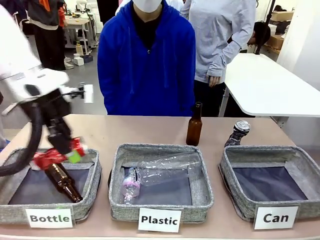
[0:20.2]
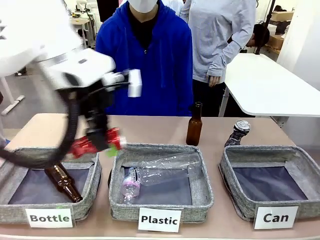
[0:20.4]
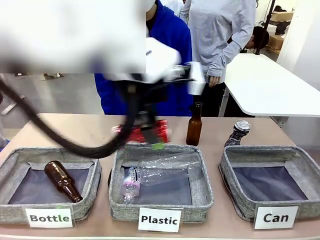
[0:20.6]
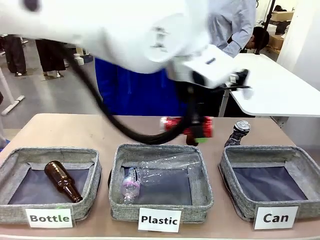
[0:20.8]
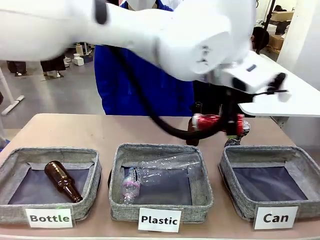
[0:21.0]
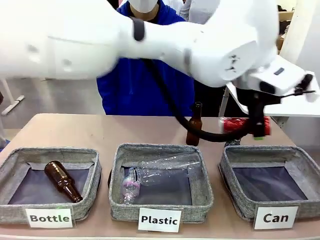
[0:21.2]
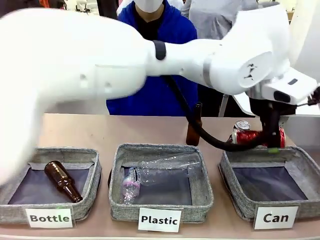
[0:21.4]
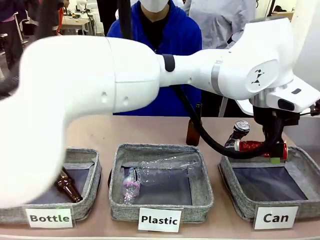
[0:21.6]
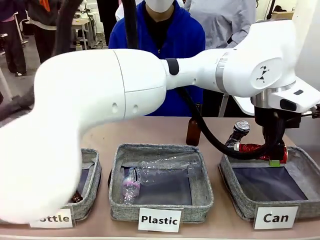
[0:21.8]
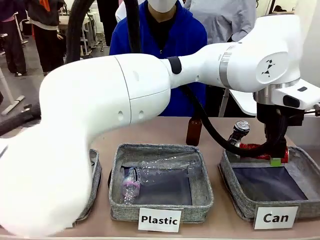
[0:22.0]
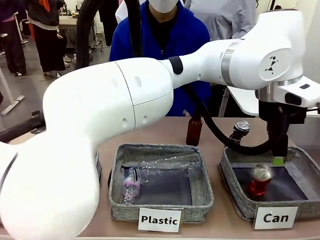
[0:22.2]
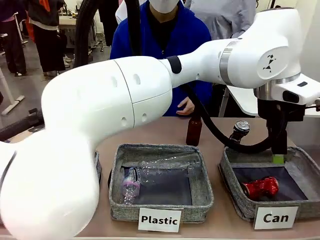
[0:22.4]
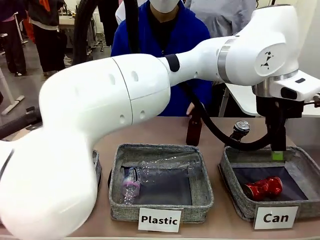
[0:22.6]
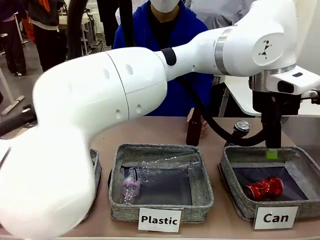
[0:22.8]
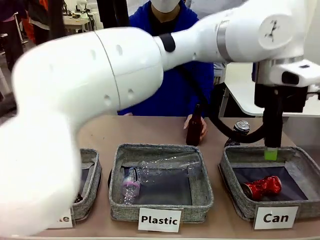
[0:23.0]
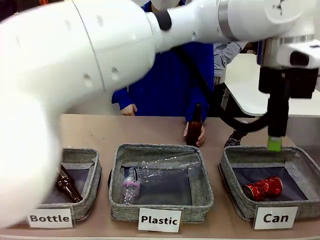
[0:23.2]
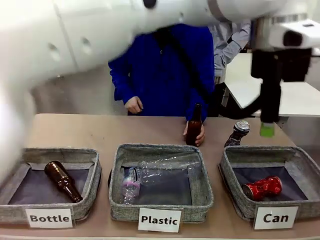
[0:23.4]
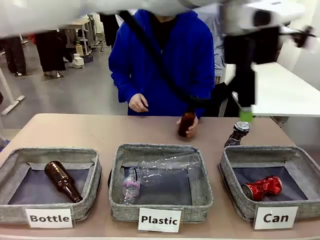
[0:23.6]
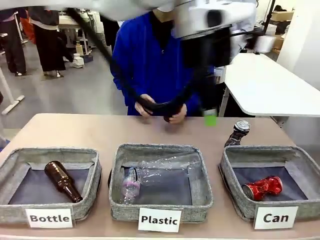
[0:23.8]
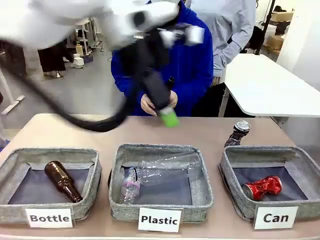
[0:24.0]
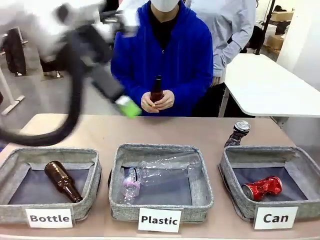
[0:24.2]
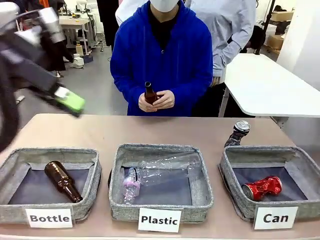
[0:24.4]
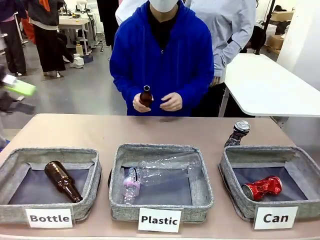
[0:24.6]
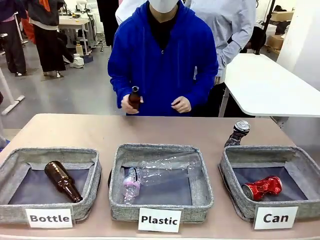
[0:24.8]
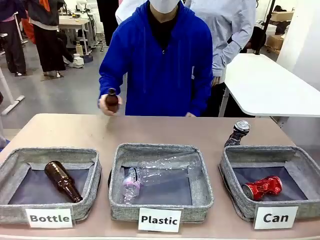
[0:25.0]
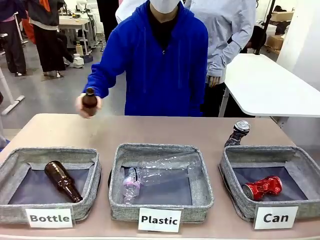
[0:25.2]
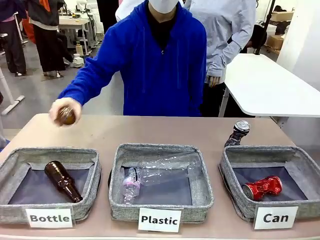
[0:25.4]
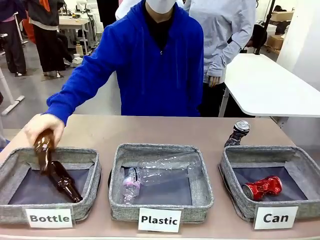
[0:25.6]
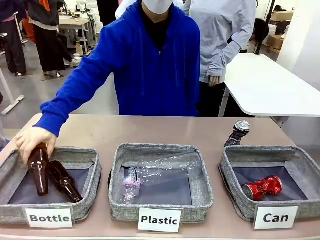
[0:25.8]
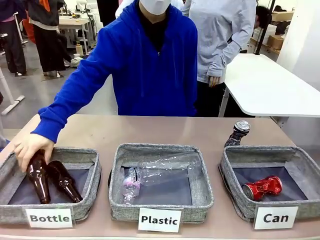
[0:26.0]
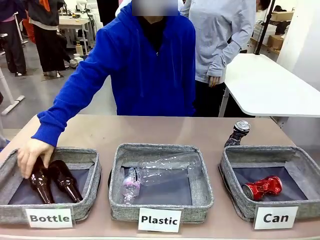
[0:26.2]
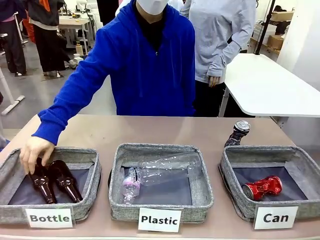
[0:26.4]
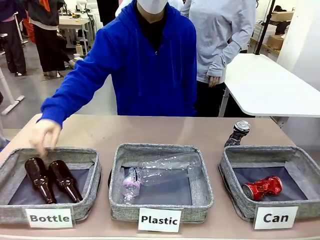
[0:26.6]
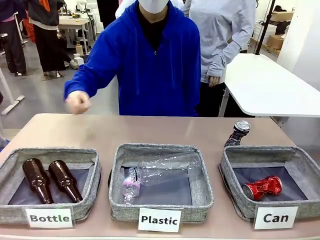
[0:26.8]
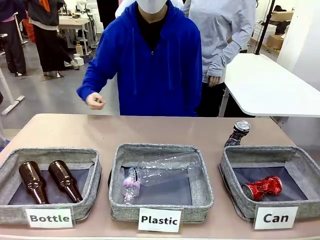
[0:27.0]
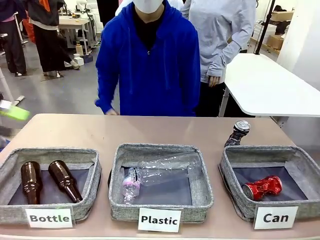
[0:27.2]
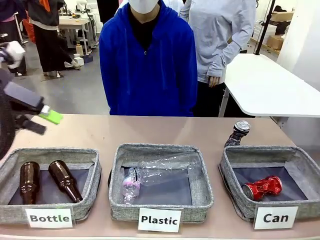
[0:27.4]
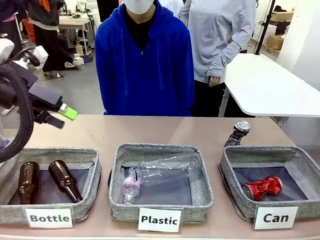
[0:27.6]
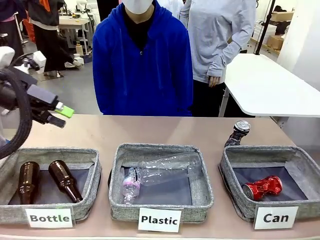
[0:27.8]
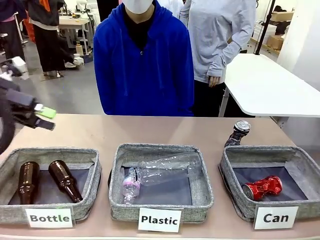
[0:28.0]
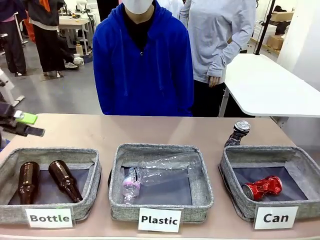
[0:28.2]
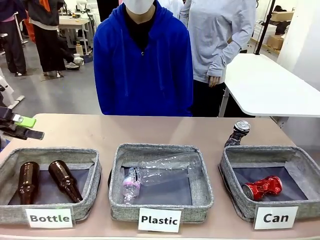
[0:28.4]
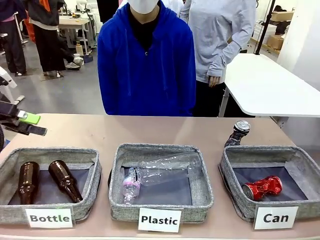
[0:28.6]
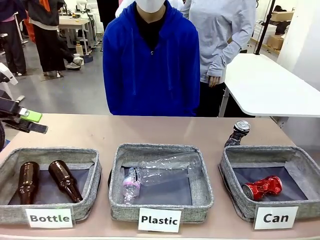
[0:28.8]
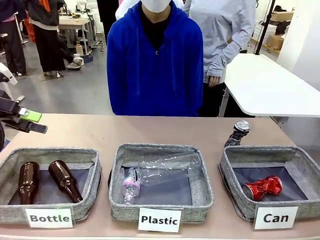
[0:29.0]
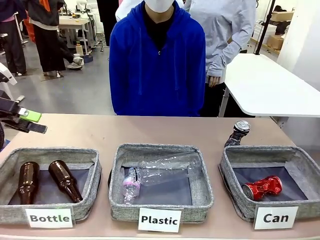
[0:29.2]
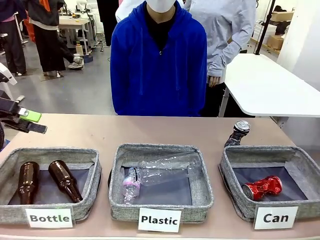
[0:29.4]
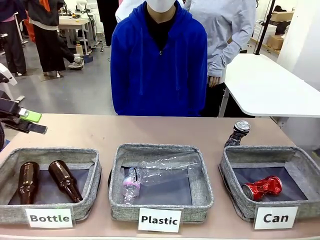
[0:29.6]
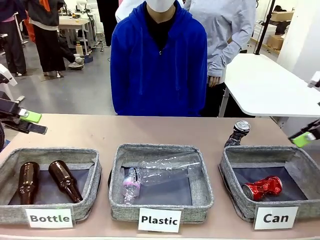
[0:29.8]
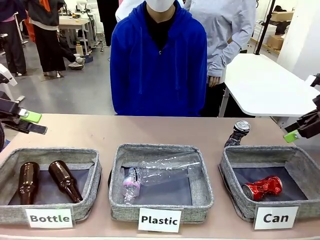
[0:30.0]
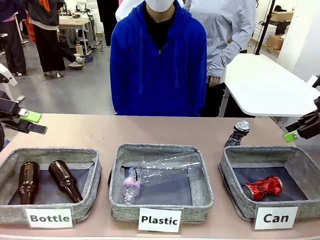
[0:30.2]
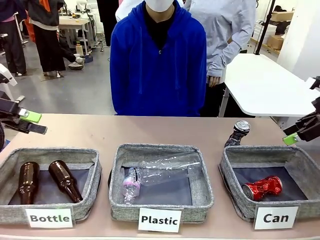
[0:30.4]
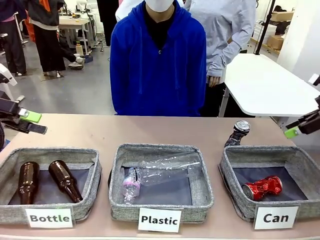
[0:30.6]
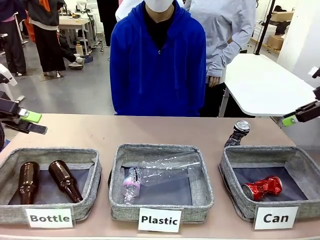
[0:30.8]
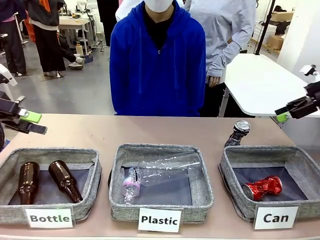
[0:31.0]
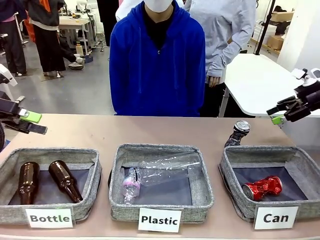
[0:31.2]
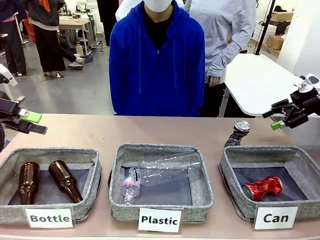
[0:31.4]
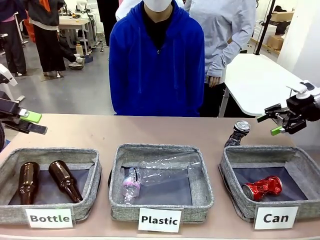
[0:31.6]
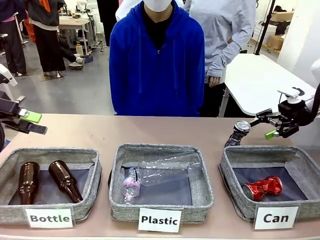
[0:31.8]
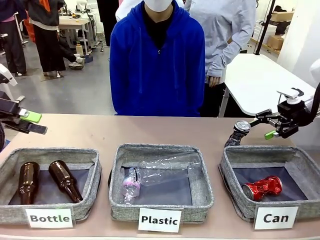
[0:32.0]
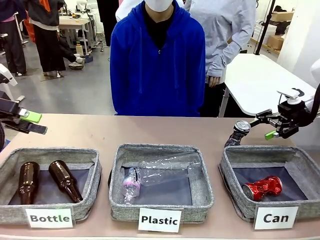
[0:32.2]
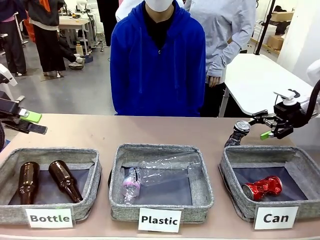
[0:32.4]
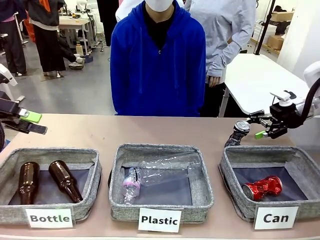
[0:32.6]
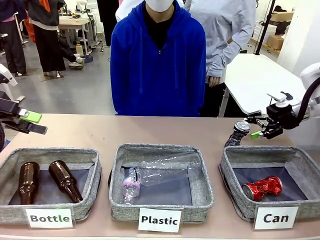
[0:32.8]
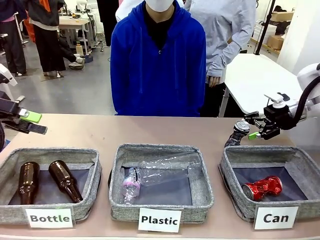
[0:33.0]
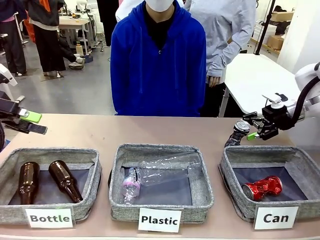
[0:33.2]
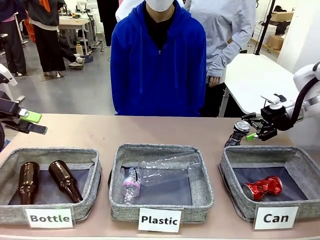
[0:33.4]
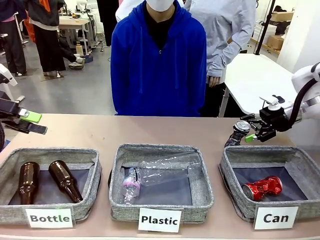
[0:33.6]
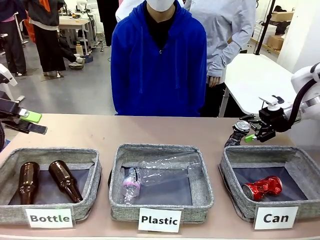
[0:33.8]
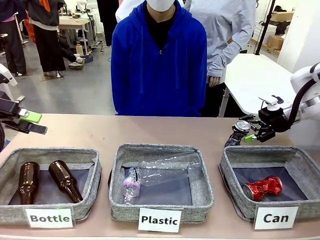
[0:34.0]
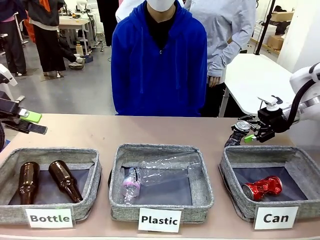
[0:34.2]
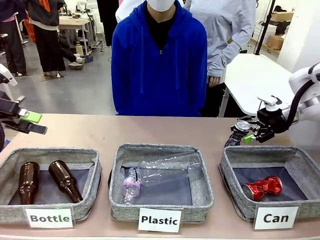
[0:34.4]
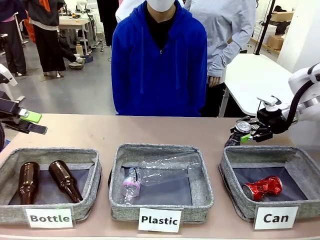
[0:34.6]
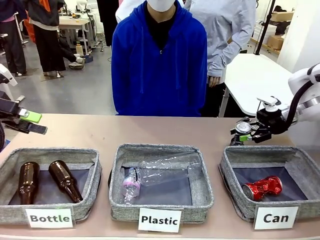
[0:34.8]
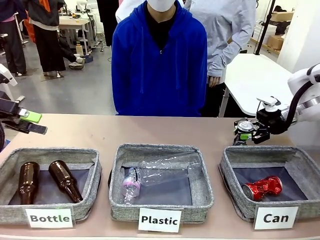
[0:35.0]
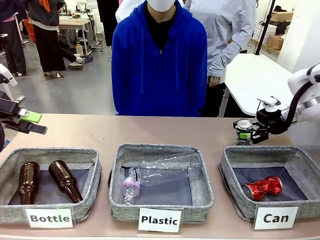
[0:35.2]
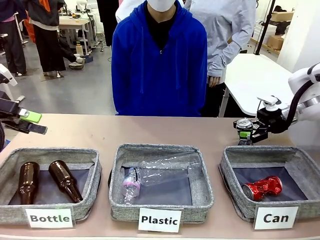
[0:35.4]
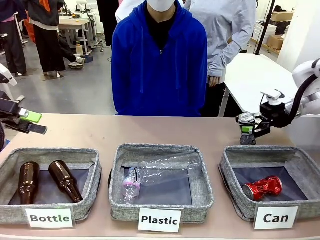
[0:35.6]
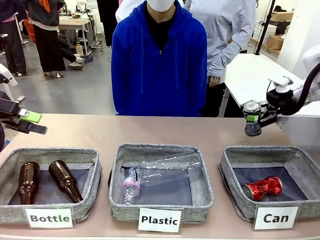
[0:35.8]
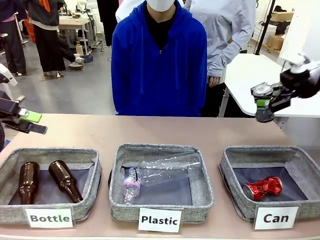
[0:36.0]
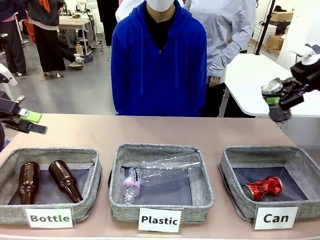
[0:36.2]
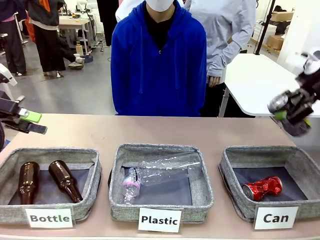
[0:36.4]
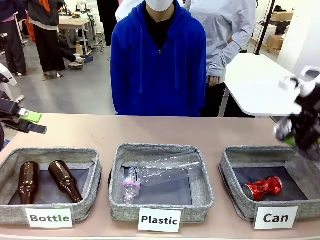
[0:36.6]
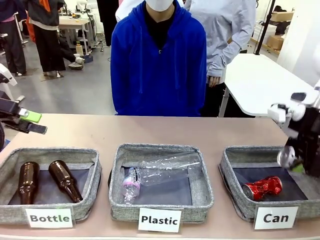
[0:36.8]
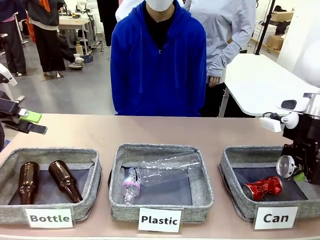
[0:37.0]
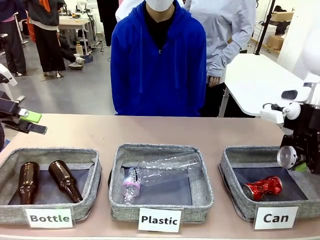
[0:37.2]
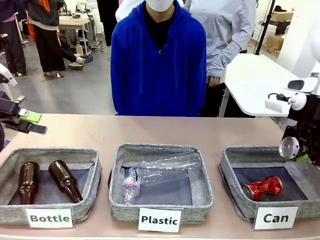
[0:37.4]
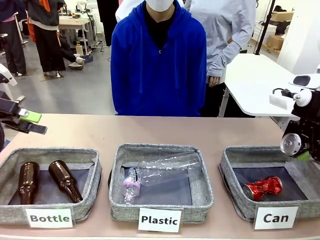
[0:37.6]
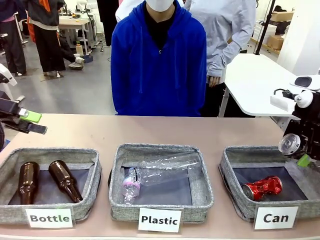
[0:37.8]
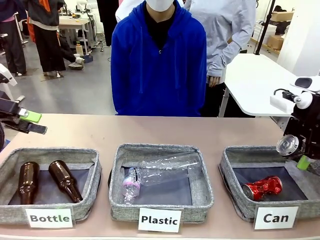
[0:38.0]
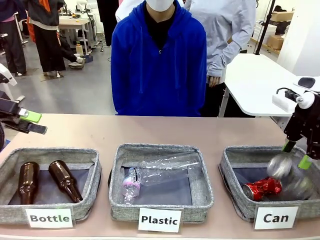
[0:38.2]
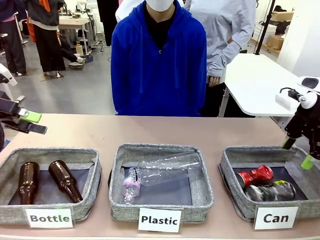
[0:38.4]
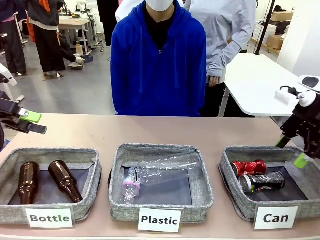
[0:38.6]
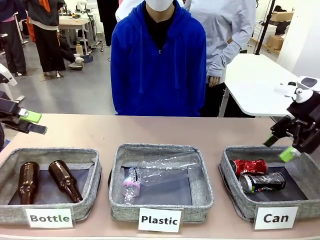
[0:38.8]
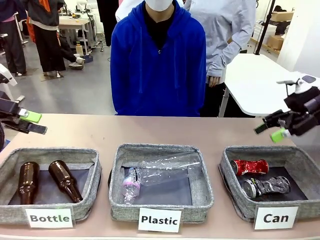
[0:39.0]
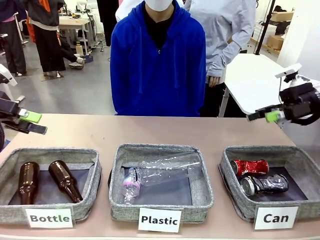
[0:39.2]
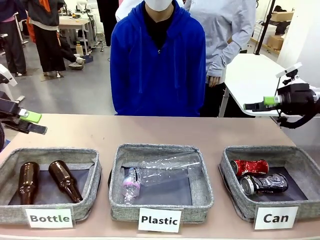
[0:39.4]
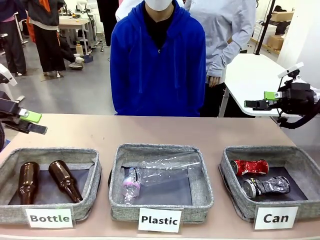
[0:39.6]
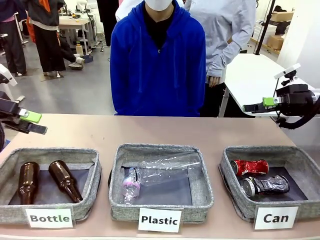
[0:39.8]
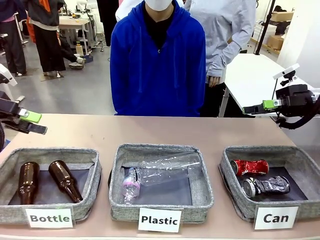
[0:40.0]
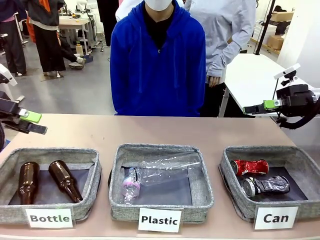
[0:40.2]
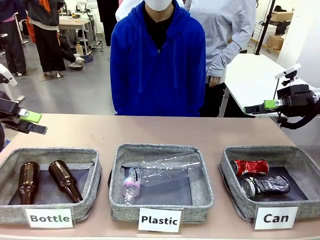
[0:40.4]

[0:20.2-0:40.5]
Task: Sort the can waste into the basket.
Robot: Pick up the can waste from the table and place it in the right Fabric basket.
Person: The human picks up one piece of trash that is not a can and places the trash into the appropriate organizing basket.
